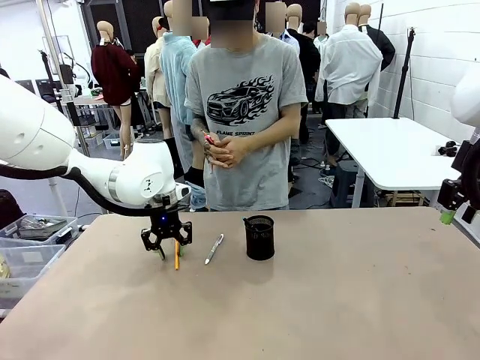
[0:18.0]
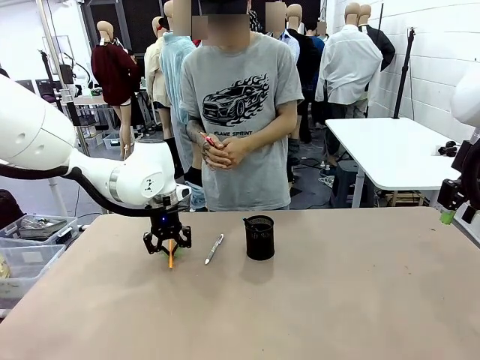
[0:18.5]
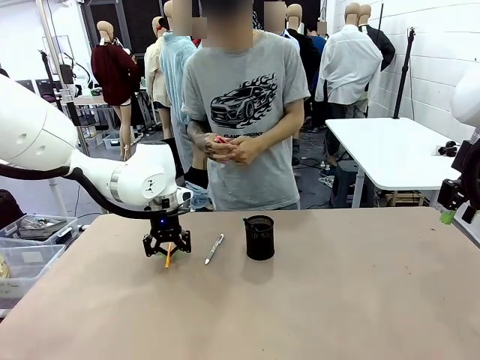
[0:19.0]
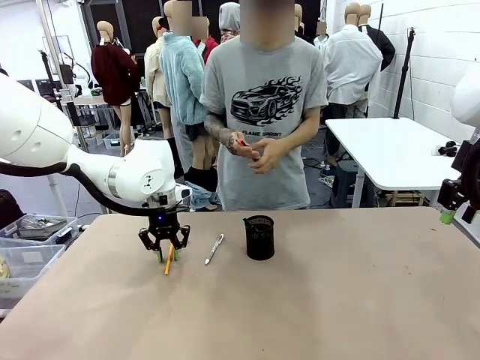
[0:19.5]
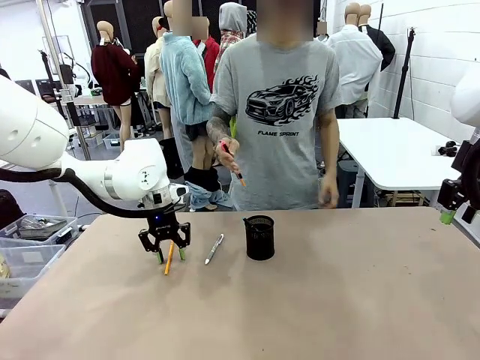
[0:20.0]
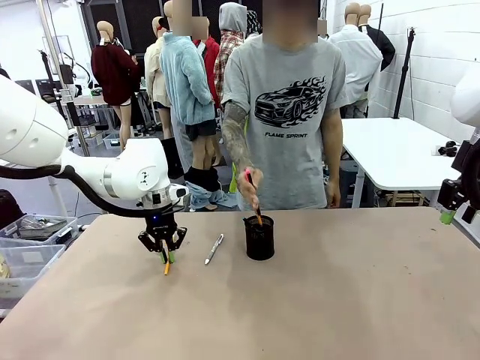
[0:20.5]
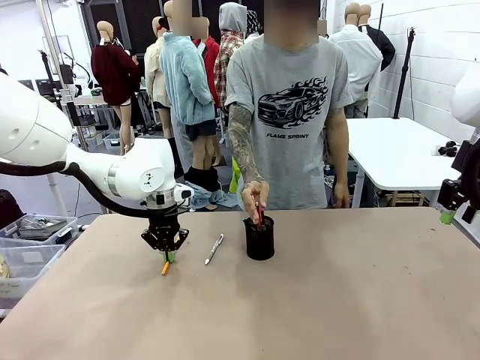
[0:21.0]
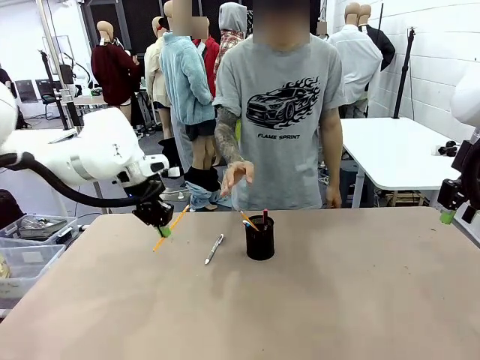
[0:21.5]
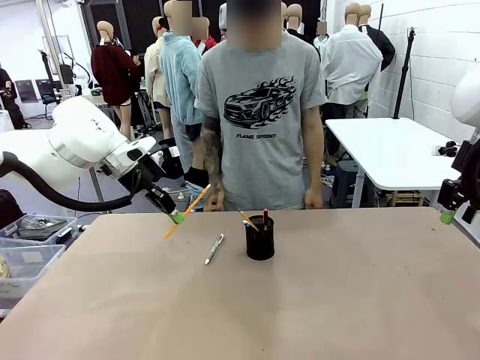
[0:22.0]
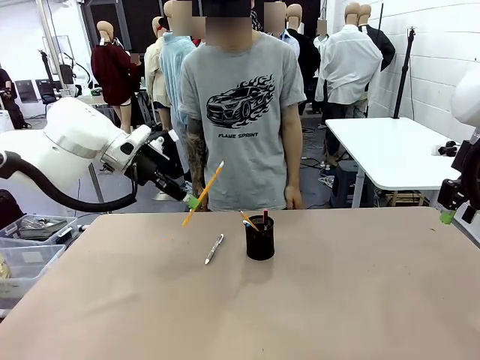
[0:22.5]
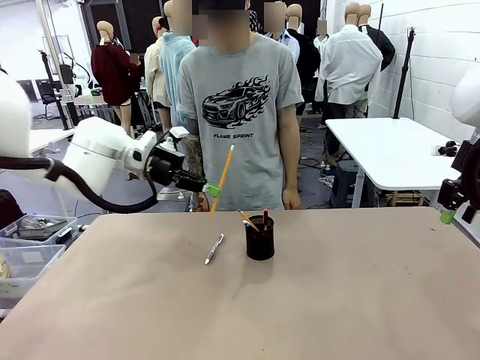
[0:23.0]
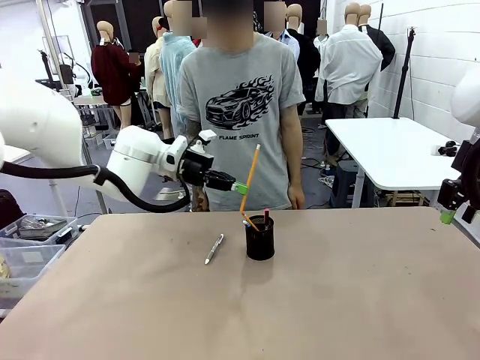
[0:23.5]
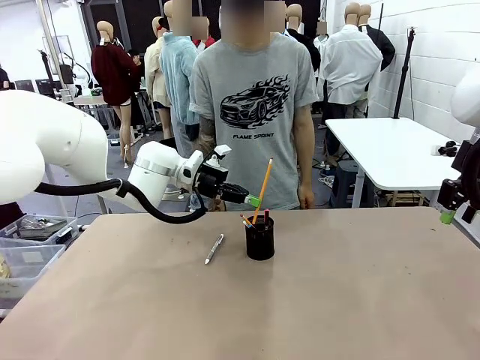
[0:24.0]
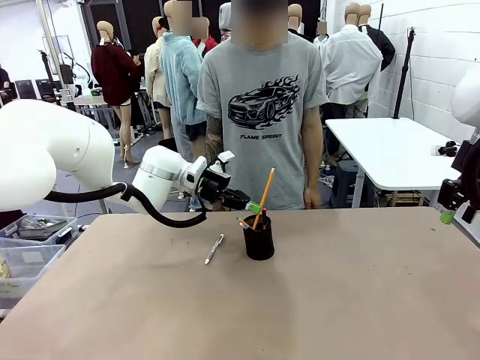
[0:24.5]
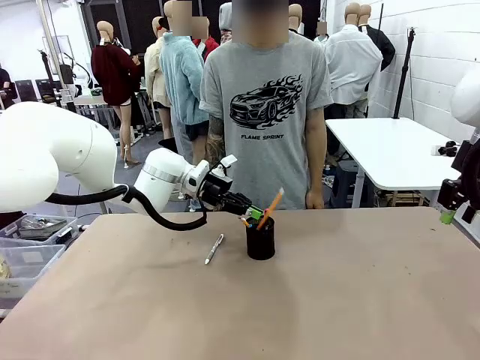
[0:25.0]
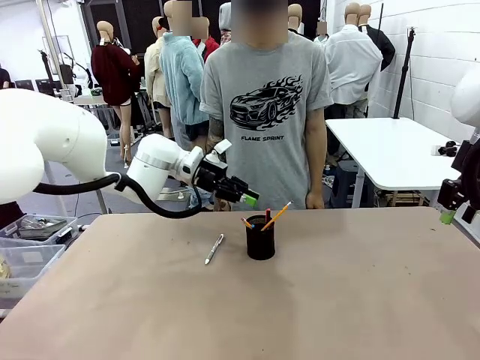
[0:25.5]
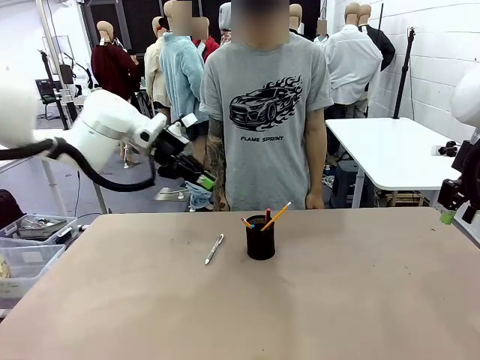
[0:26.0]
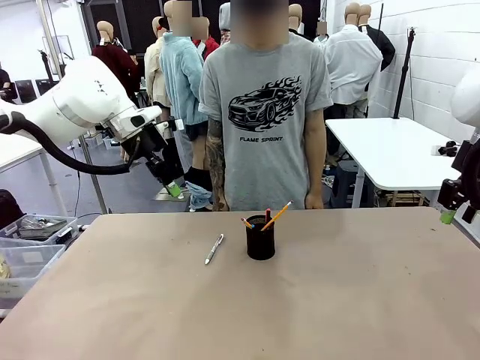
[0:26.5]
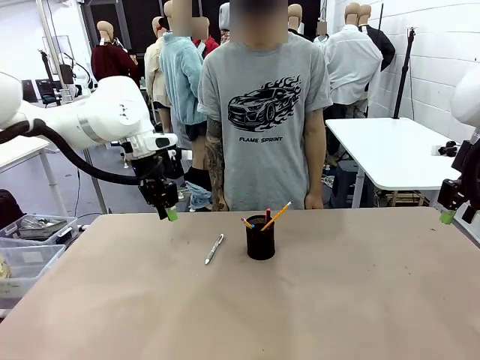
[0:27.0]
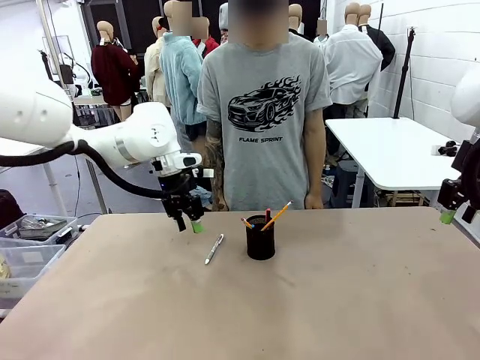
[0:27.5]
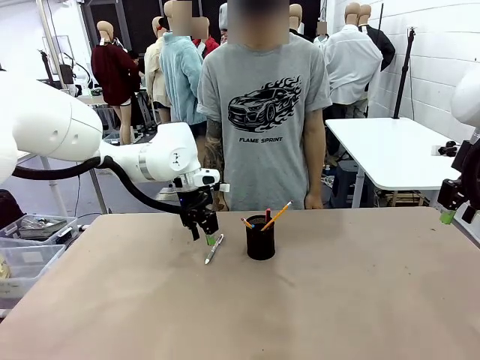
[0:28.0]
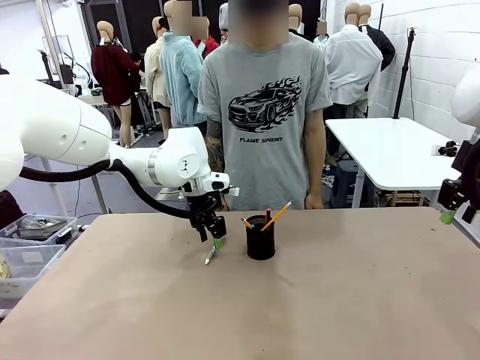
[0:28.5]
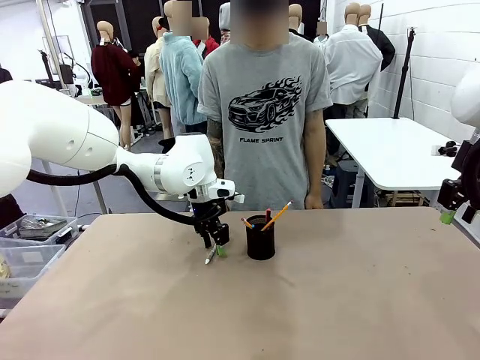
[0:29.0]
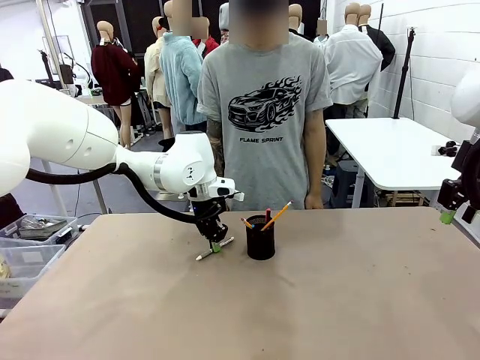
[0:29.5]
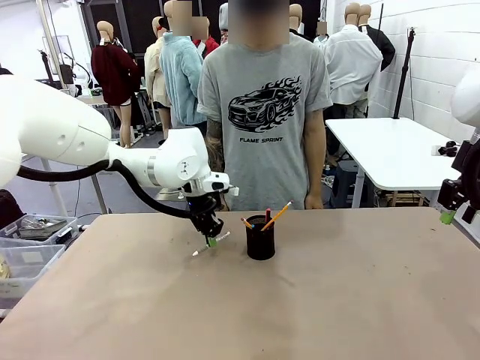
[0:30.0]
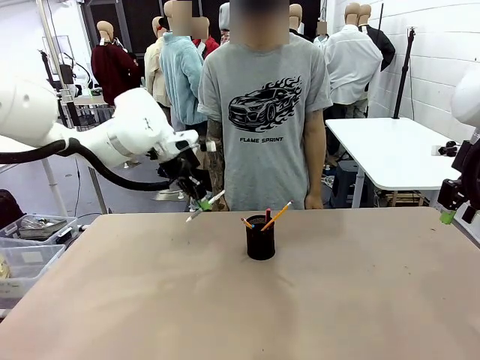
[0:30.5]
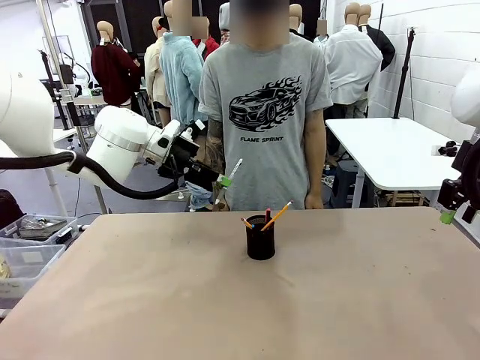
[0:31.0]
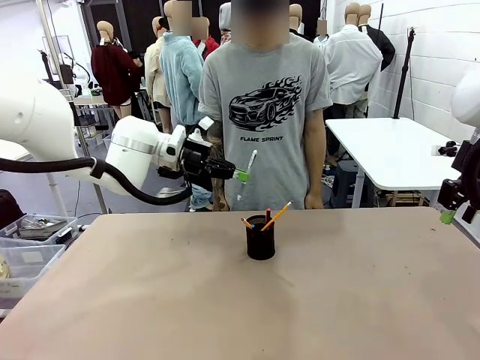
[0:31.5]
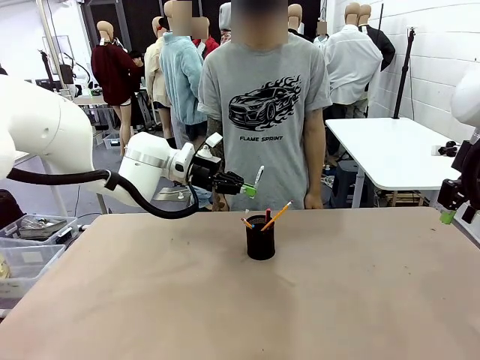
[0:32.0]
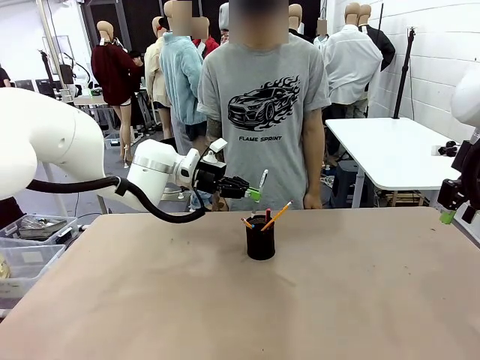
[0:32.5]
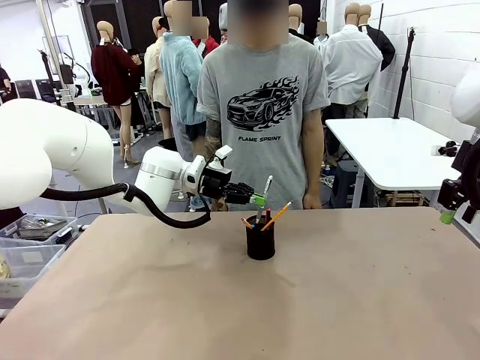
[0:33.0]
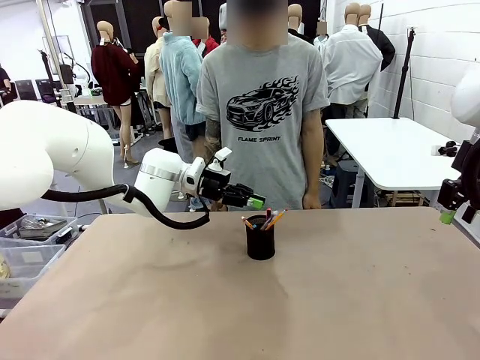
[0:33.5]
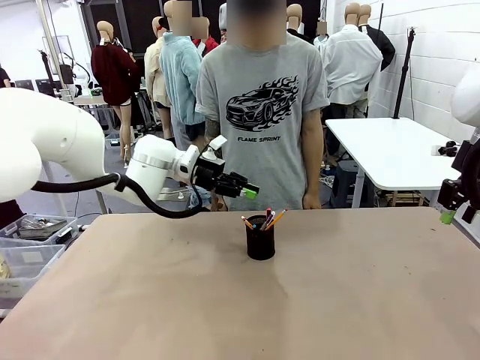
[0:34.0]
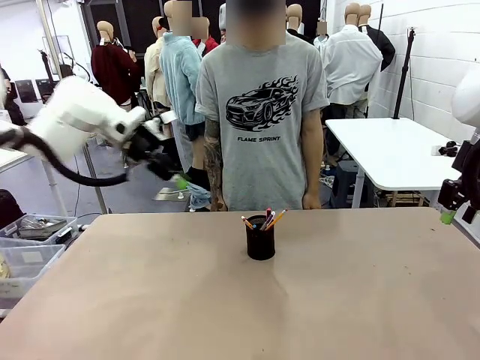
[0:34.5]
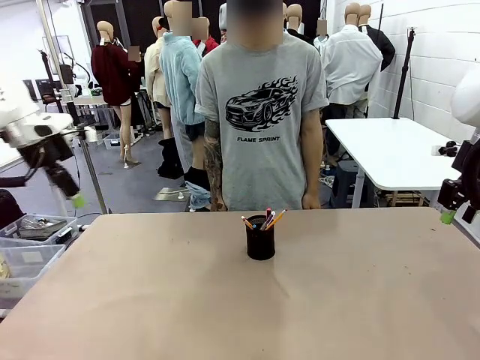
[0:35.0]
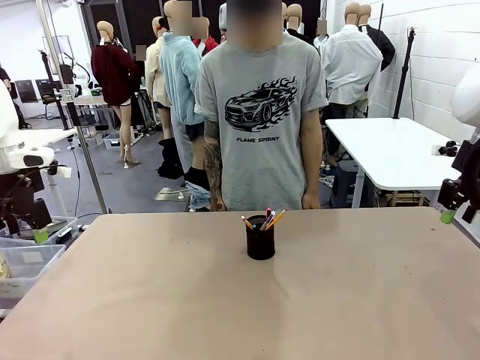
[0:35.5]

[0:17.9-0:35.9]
Task: Place the pens into the pen holder.
Robot: Pick up a writing instrument from the table and place it into the Pen holder.
Person: Place all writing instrument into the Pen holder.

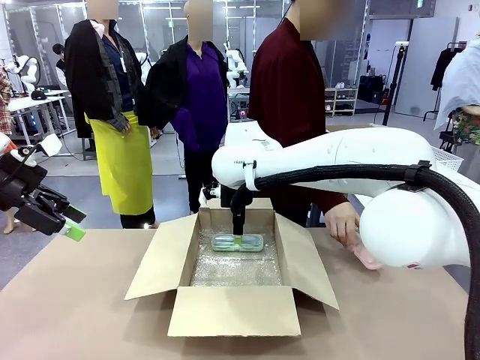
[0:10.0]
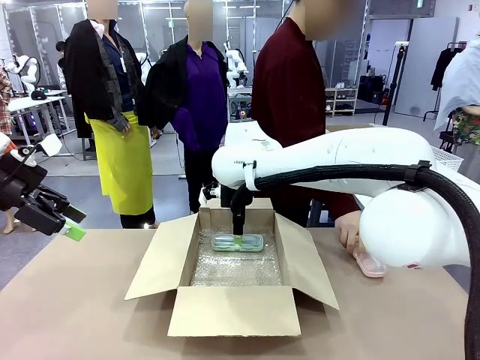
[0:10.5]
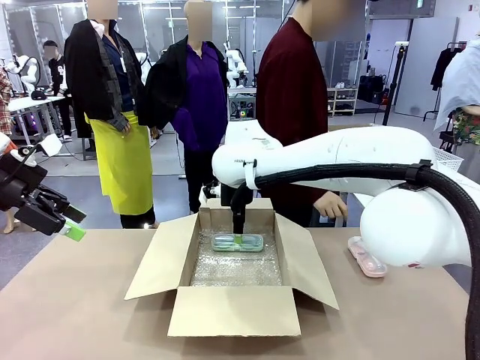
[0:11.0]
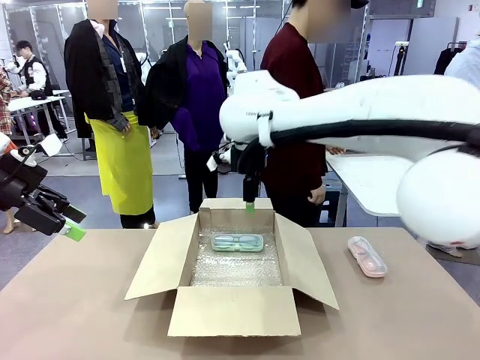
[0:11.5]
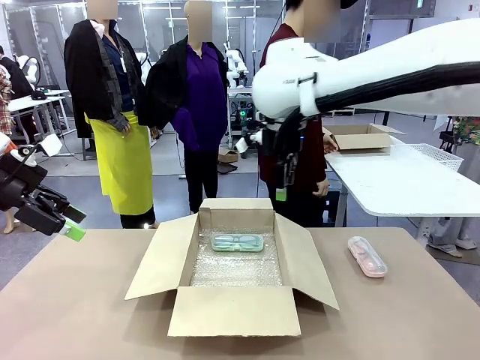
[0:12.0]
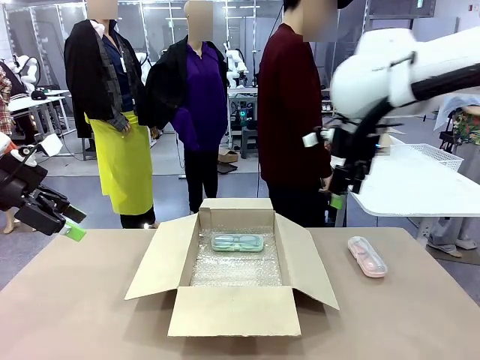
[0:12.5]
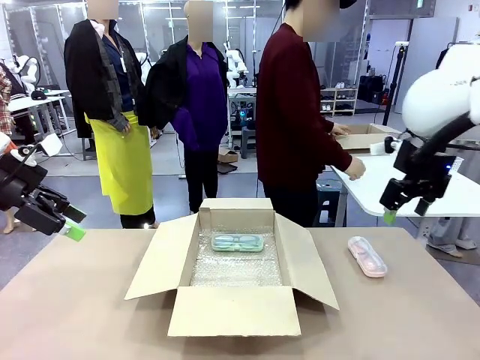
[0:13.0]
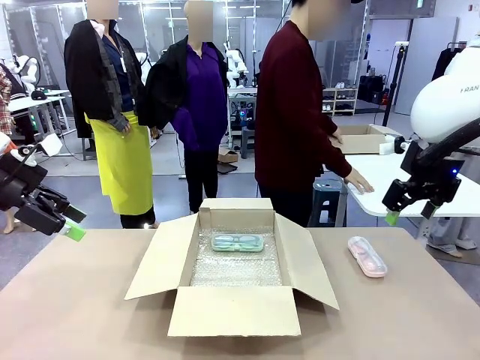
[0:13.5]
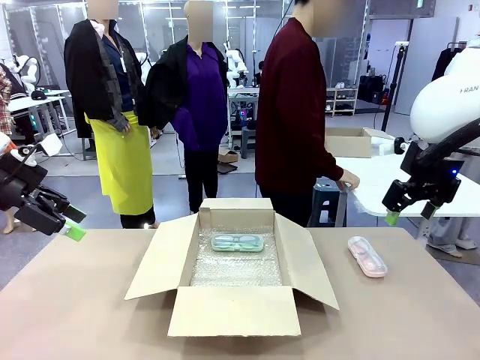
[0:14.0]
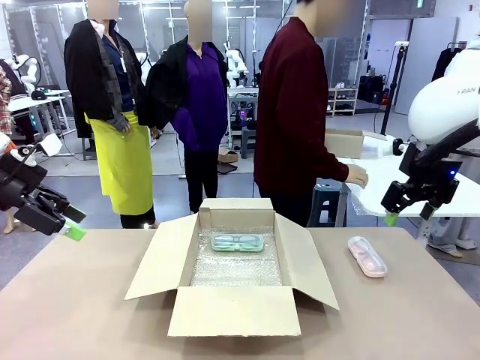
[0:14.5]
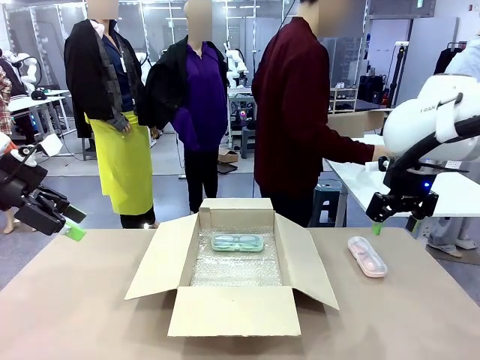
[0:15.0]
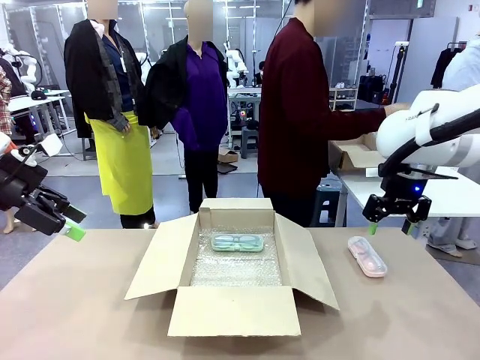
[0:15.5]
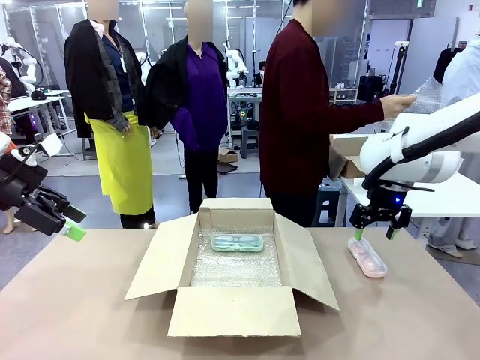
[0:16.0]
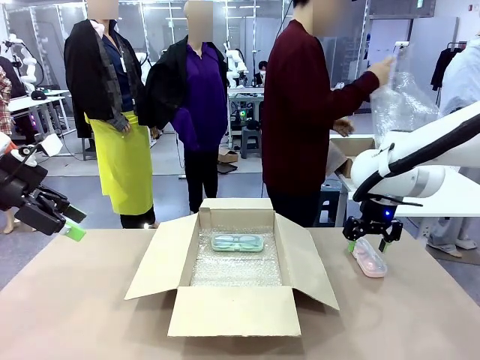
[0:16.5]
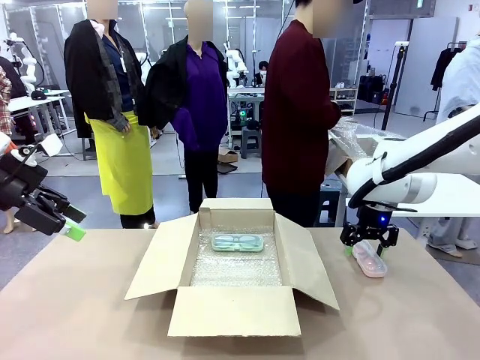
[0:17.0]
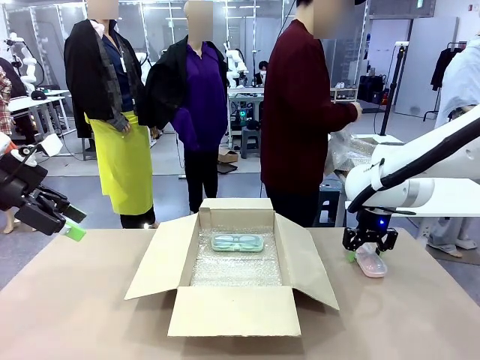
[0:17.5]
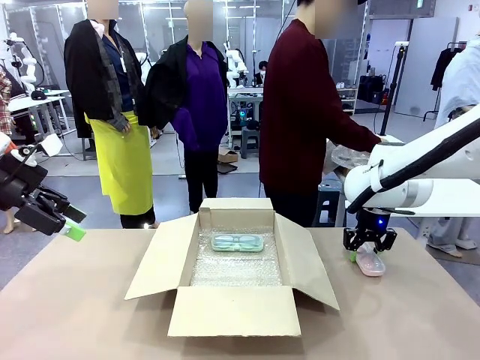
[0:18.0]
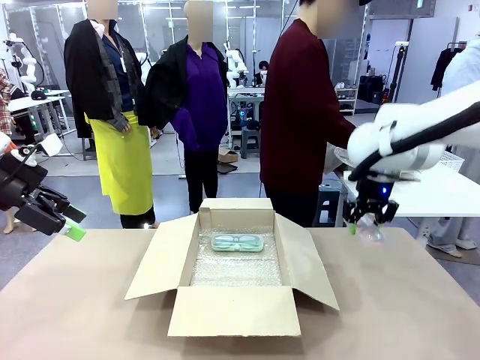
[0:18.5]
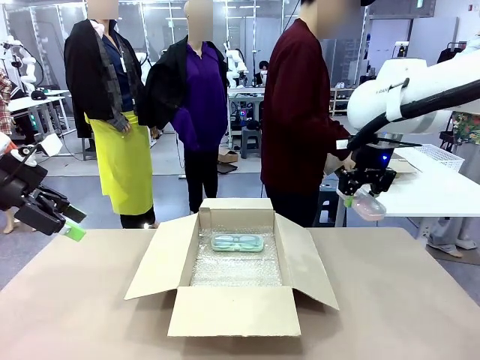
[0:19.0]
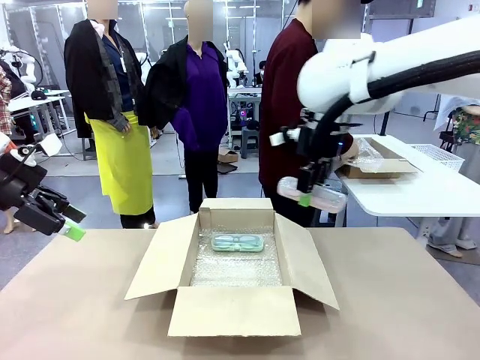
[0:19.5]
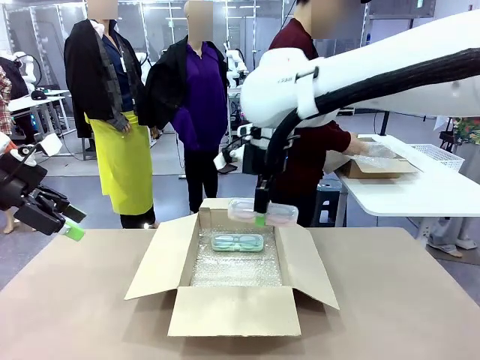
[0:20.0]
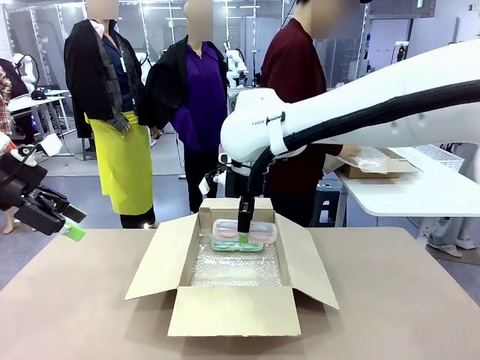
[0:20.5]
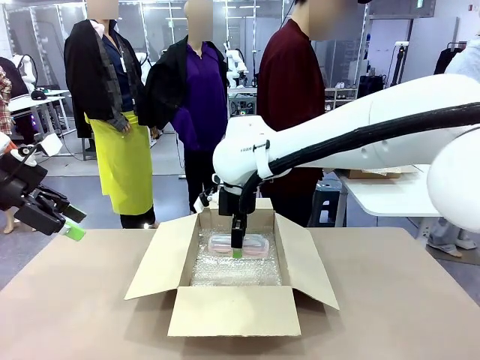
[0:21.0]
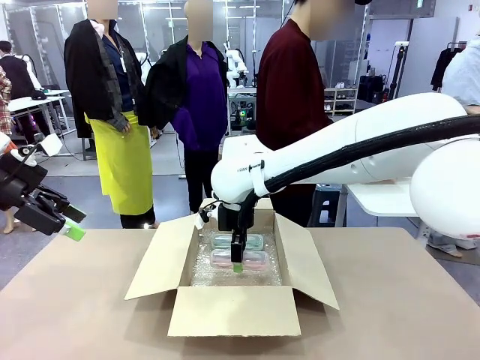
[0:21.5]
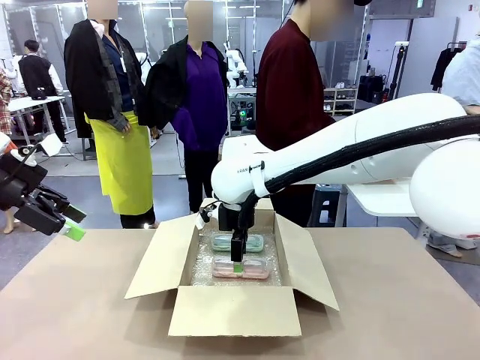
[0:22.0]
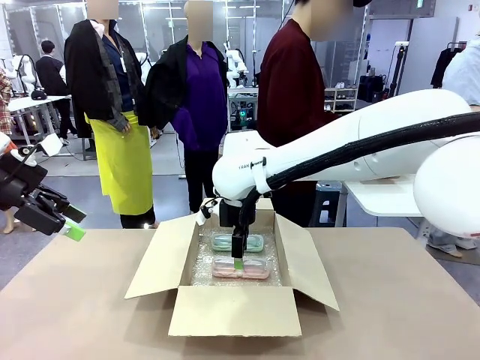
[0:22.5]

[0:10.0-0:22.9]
Task: Pack the glasses set securely to prepare it for shipping.
Robot: Put the Glasses case from the right side of the table into the Package Box.
